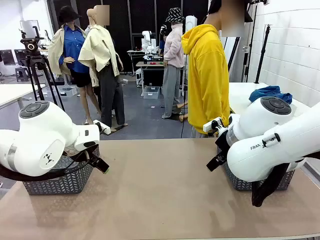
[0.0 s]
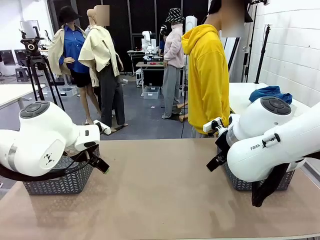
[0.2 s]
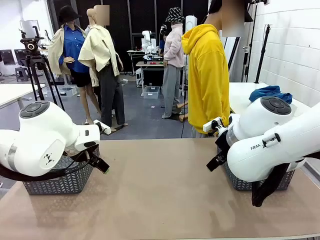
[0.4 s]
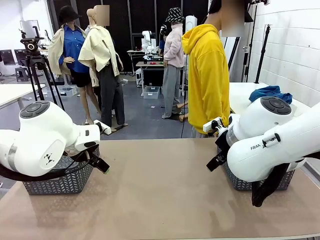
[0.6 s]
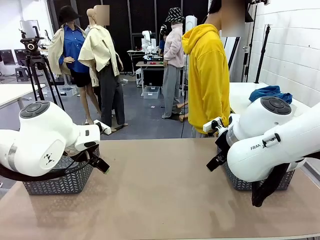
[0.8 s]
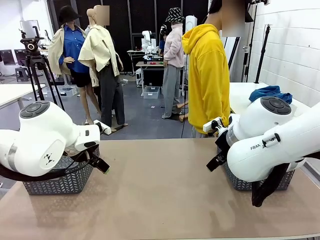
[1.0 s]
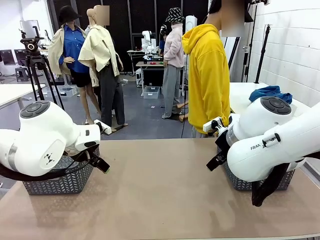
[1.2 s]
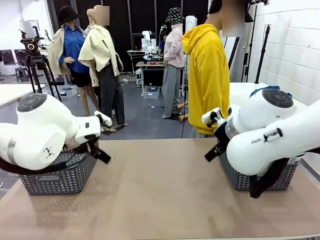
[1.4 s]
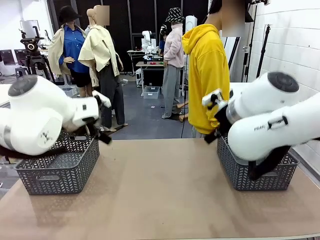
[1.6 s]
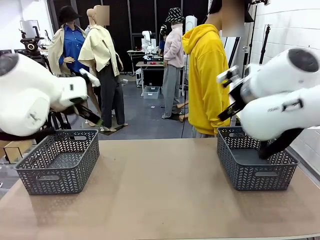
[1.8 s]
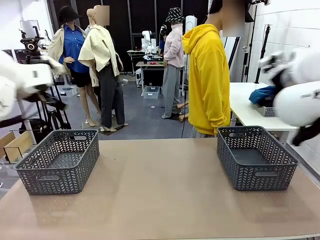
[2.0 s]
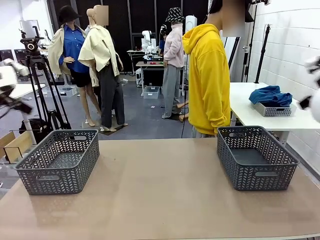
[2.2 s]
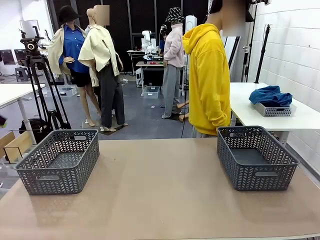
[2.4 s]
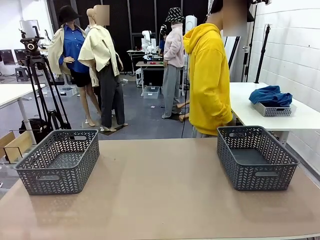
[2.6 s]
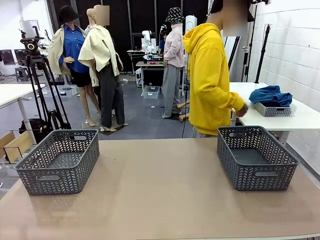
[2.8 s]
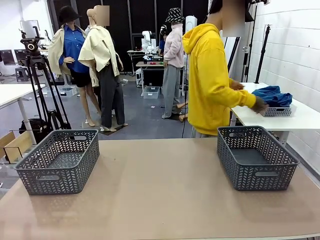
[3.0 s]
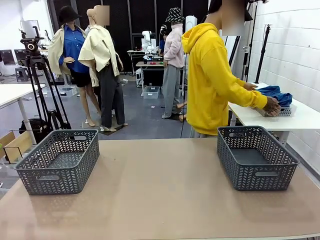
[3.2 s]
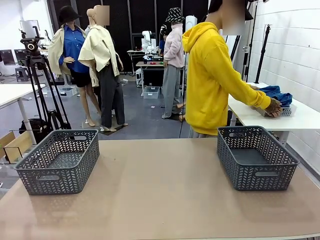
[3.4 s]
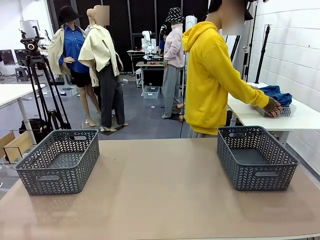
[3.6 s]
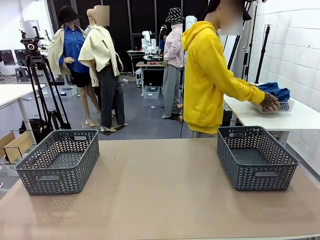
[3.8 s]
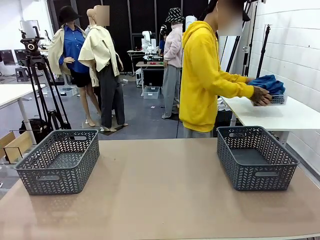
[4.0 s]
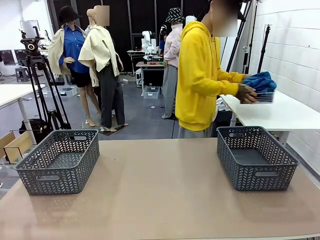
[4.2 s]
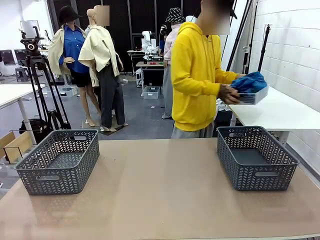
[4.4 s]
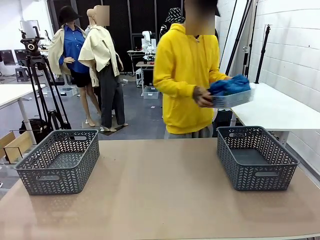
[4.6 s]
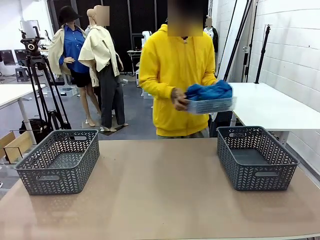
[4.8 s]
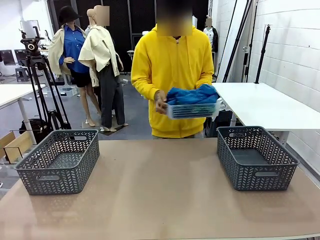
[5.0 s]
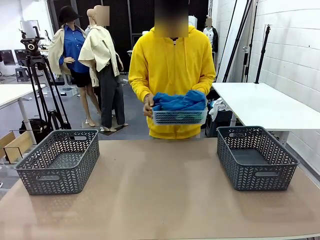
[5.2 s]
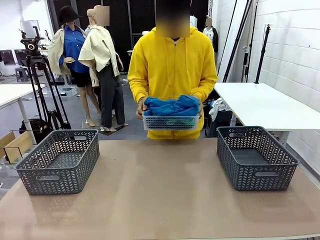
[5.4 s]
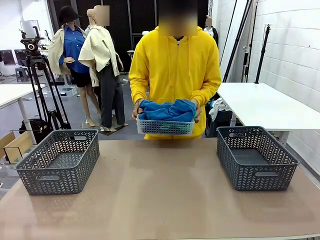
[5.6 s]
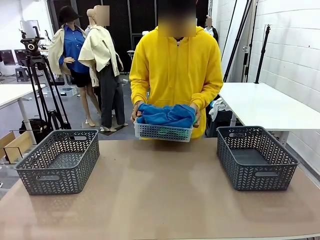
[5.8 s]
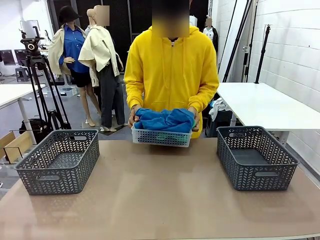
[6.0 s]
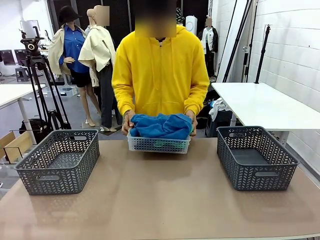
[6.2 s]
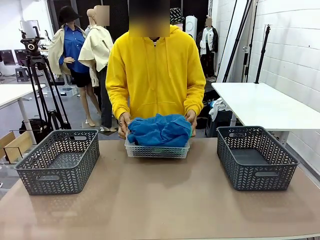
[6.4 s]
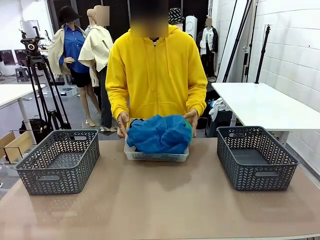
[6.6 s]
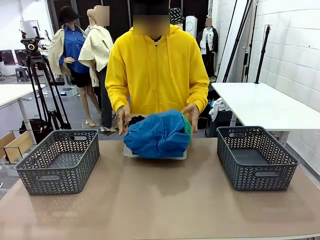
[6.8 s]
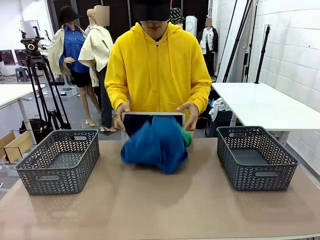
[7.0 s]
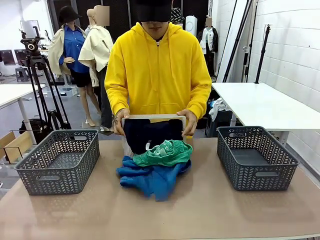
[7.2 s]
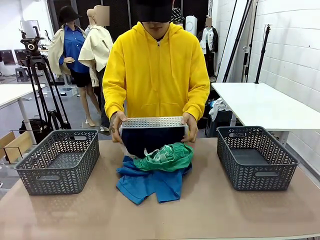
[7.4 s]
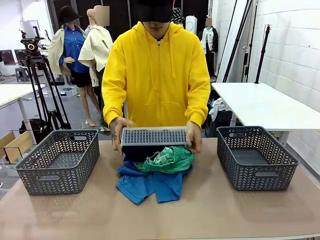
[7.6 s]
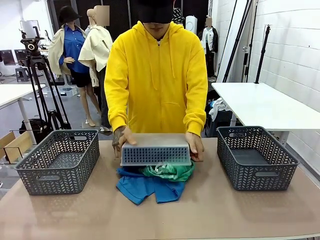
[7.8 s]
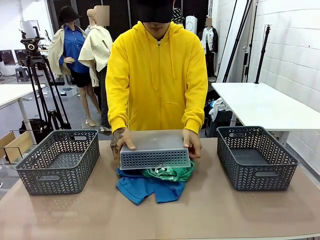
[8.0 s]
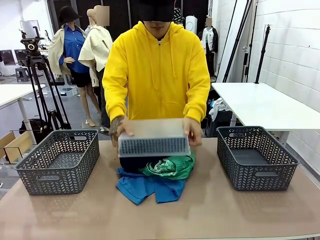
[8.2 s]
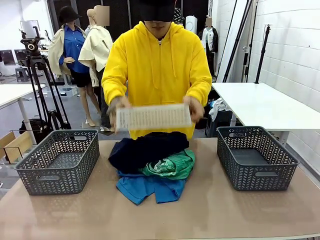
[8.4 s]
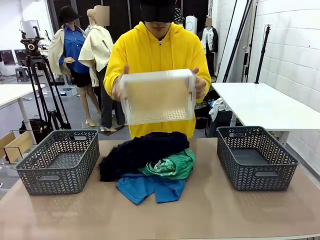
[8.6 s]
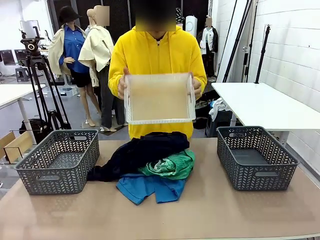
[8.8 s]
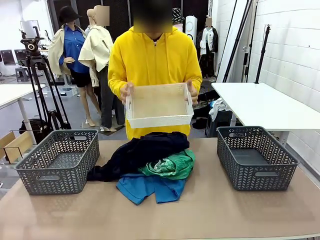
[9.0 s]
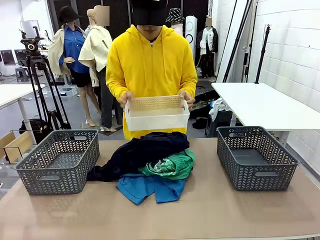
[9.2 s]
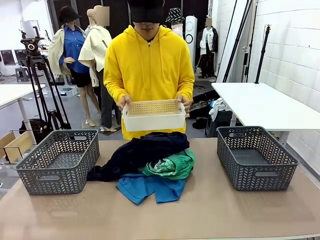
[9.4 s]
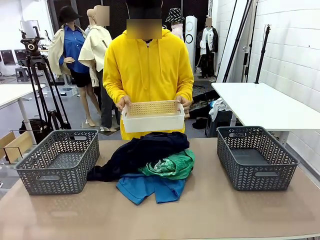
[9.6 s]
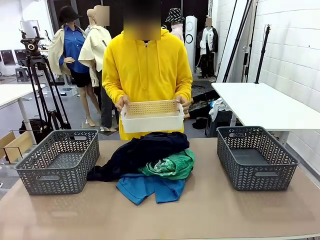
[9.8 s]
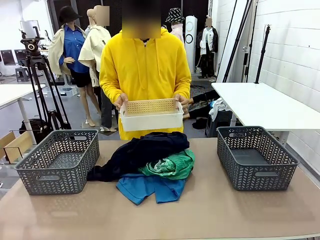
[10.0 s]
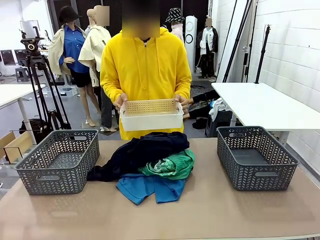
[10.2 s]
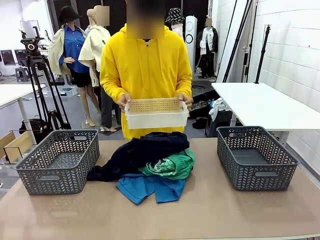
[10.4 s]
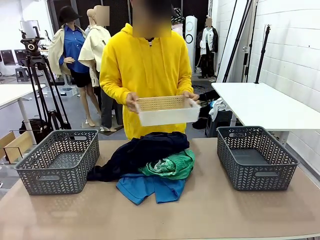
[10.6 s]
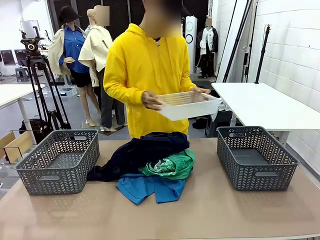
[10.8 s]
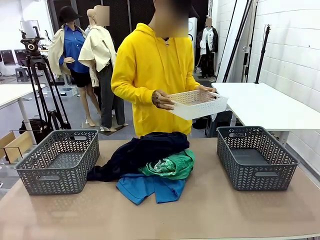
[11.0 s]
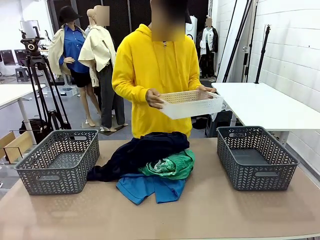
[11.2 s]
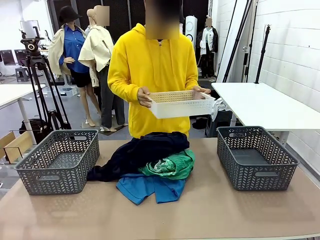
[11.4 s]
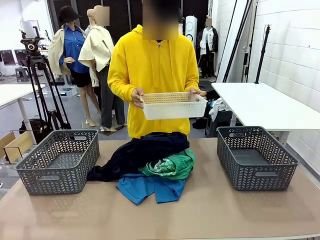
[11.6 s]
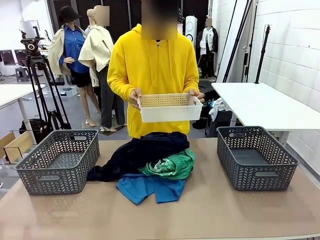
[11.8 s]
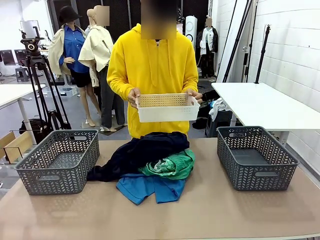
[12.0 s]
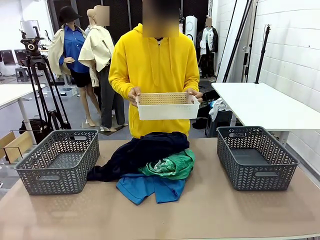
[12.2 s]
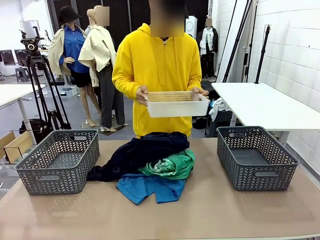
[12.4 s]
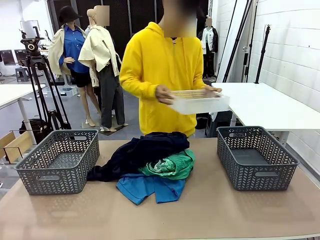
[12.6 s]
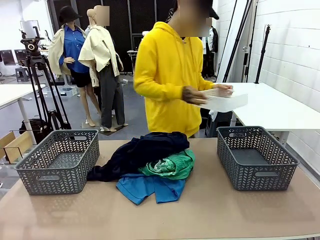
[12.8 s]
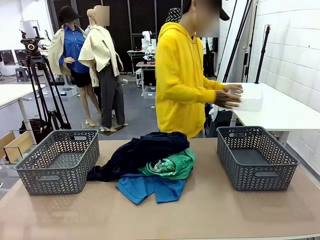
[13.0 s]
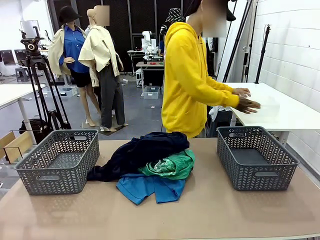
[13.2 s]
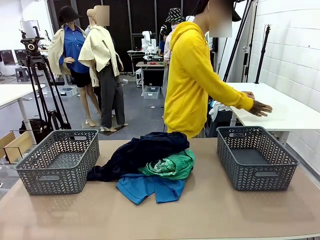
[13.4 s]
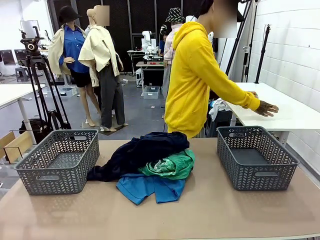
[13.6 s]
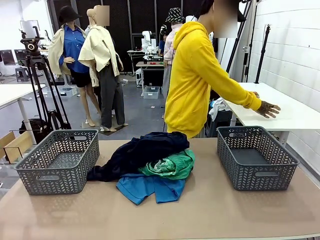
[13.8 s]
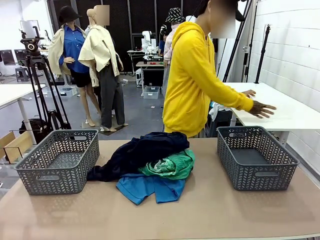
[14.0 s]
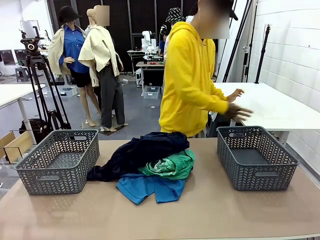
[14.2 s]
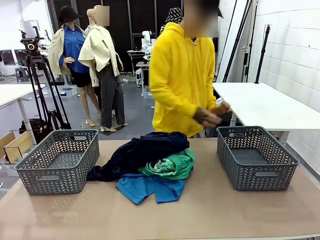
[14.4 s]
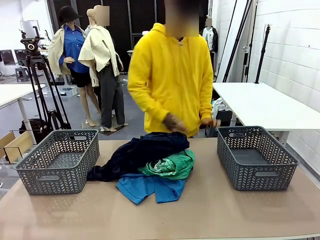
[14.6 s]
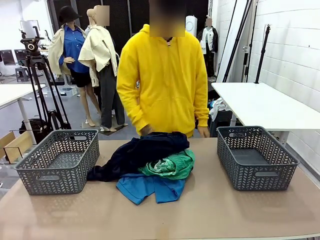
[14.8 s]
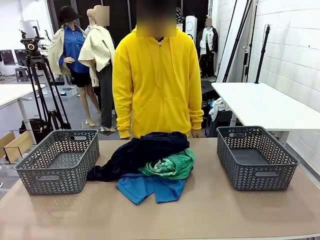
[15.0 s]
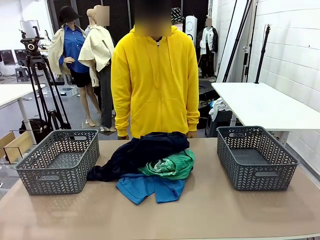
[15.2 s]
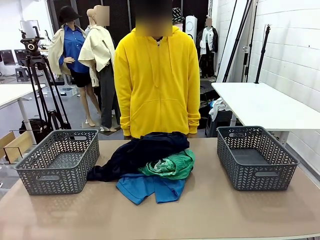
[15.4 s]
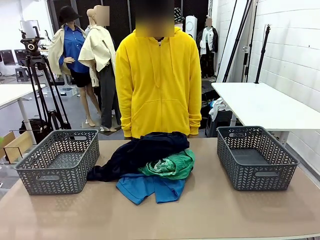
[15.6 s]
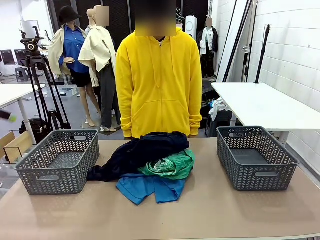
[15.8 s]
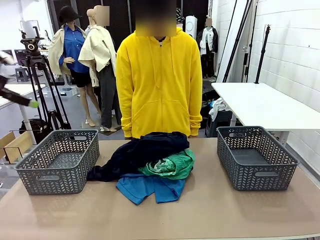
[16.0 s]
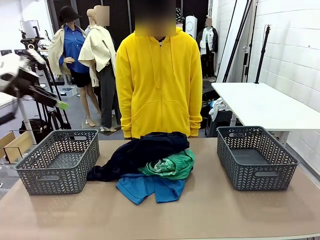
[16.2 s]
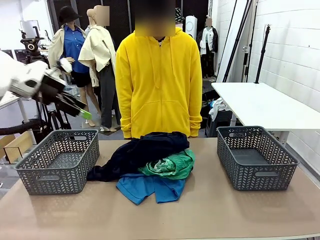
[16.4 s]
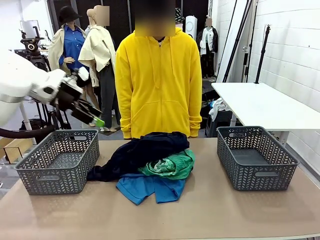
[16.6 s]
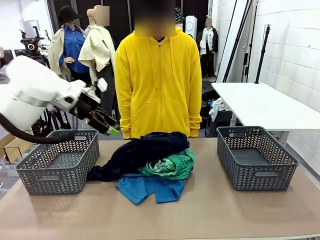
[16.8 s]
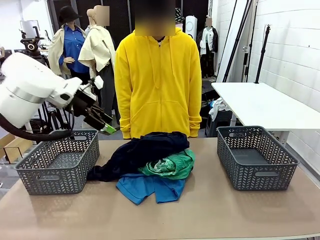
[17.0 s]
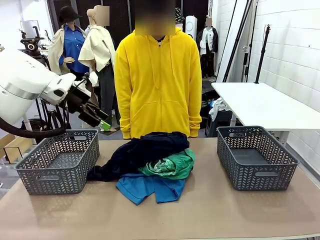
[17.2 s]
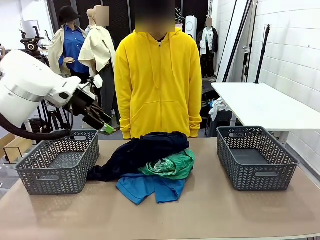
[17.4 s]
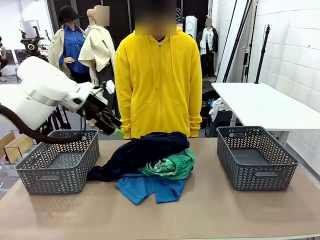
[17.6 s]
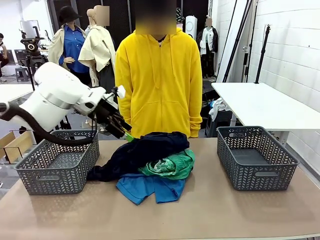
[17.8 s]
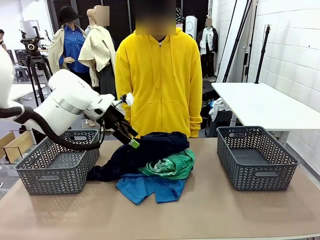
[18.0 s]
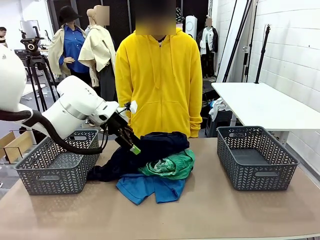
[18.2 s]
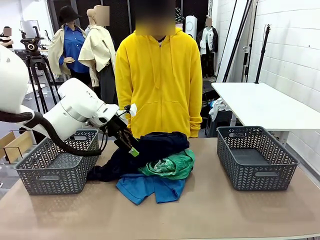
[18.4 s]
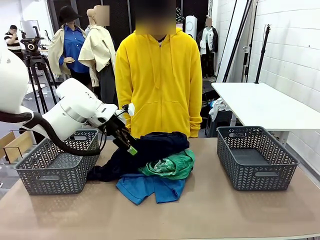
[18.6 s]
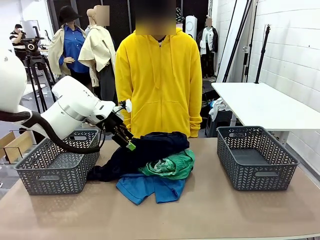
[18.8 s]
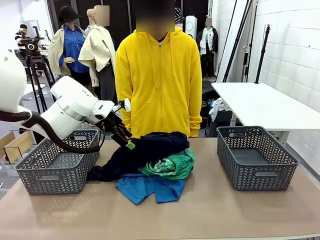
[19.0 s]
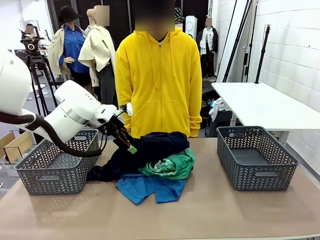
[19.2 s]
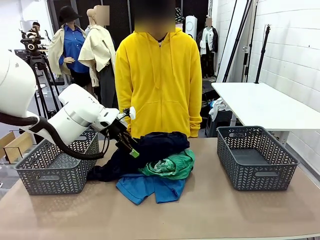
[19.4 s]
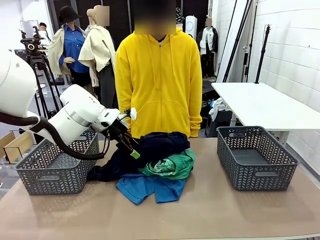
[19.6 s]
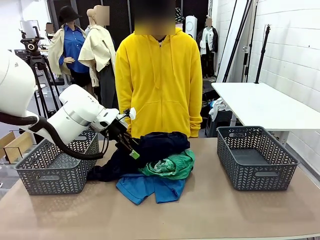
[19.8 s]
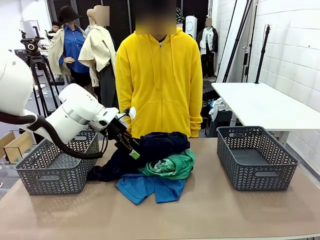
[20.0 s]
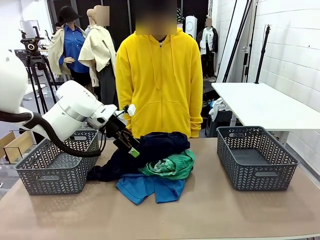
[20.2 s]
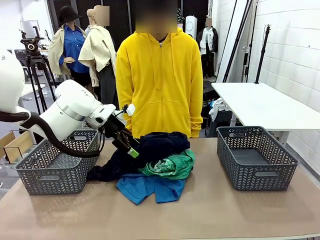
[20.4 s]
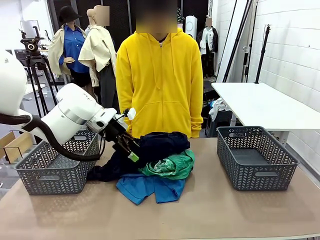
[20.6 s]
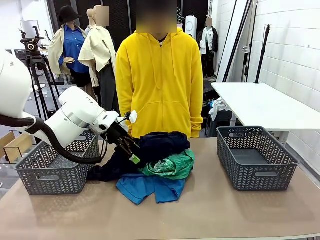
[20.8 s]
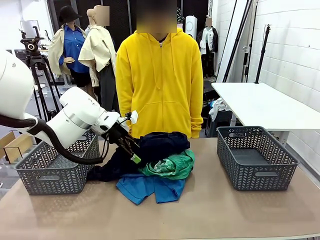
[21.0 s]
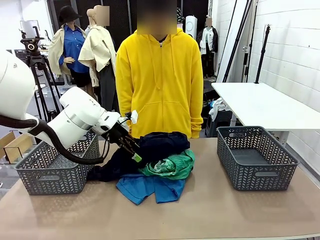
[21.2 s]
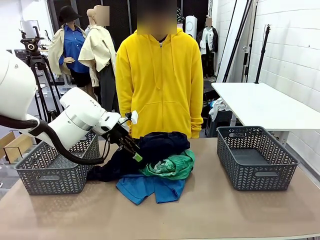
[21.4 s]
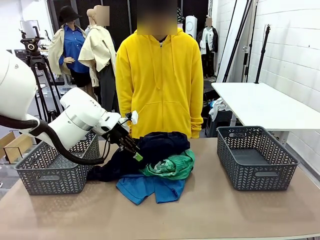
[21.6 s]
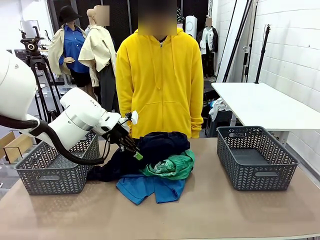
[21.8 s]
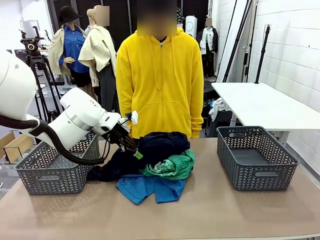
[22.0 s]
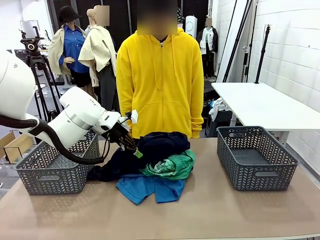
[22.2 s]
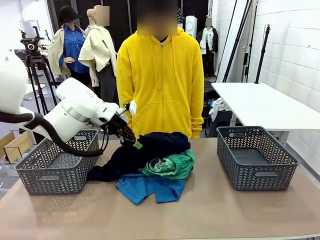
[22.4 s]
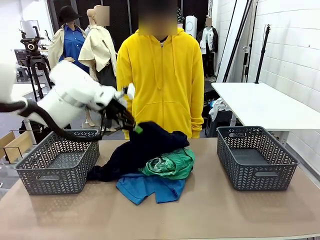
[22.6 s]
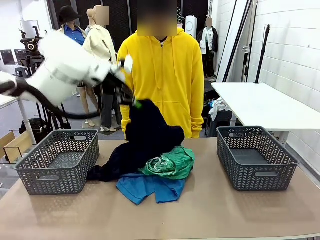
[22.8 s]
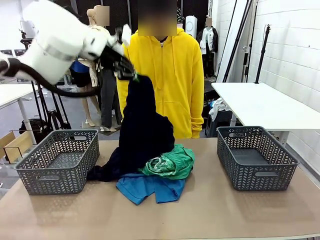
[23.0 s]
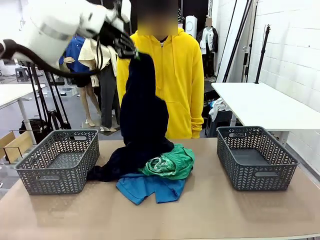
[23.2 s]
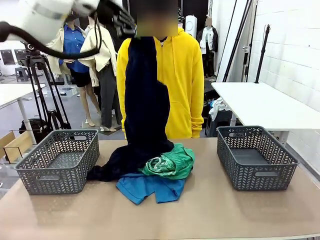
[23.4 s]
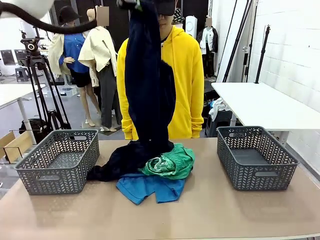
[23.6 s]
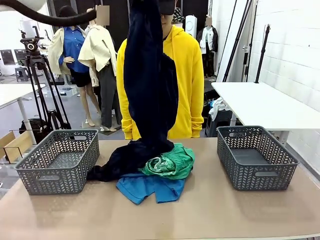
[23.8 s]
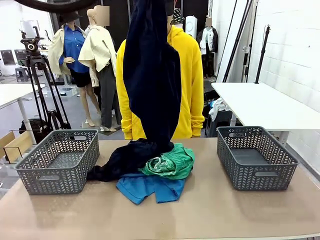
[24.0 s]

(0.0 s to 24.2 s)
Task: Sort the tops and bottoms.
Robot: Lift clothes from the center of the table with your left hand.
Person: Pour the clothes from the basket onto the center of the robot table.
